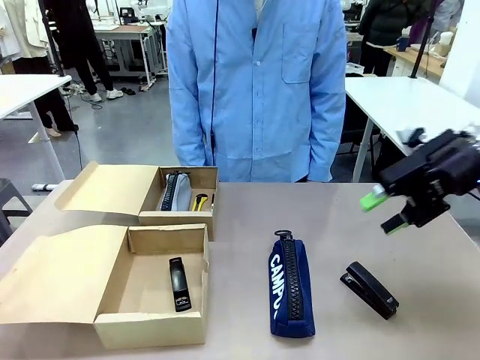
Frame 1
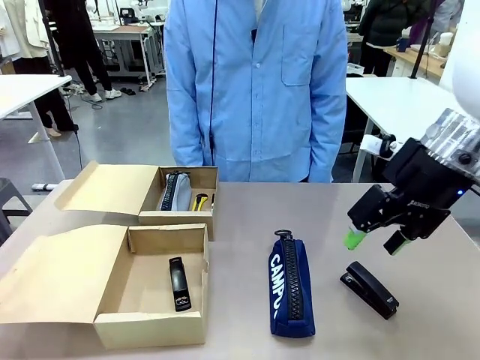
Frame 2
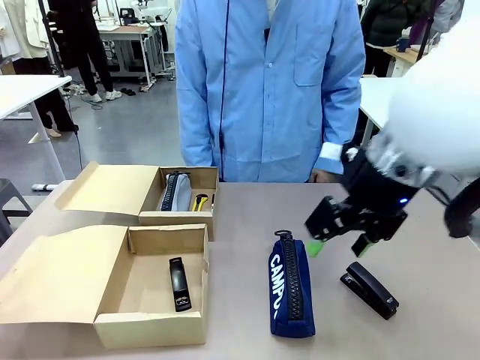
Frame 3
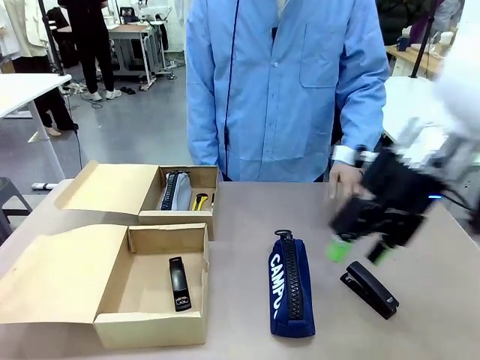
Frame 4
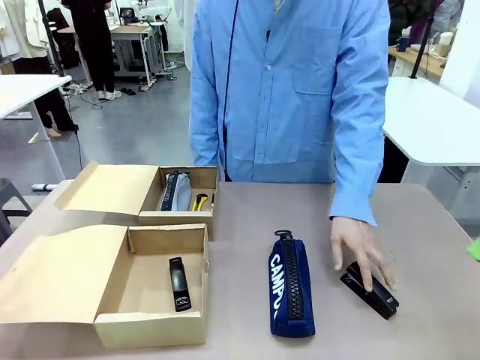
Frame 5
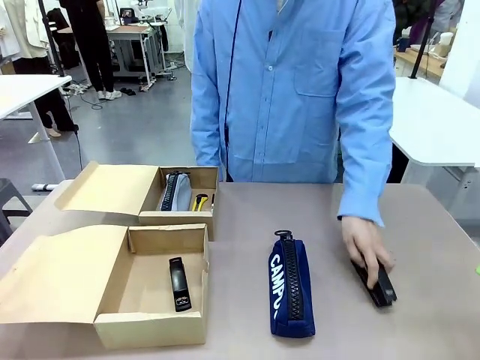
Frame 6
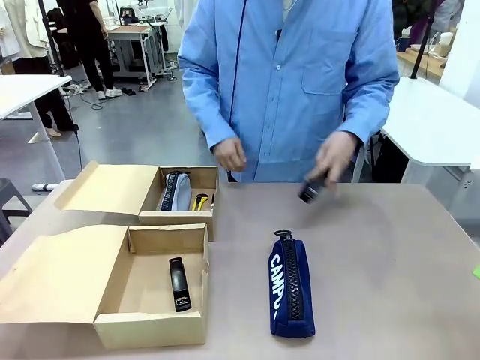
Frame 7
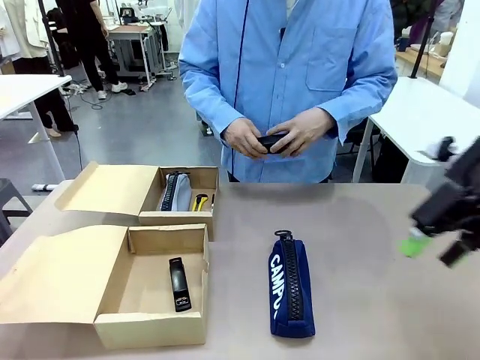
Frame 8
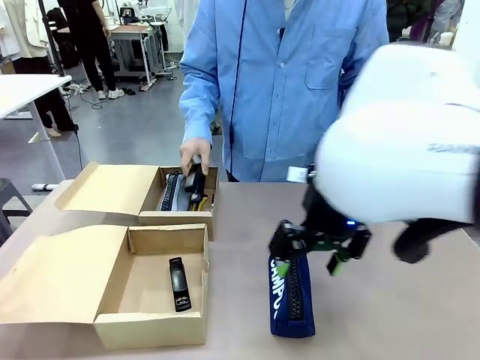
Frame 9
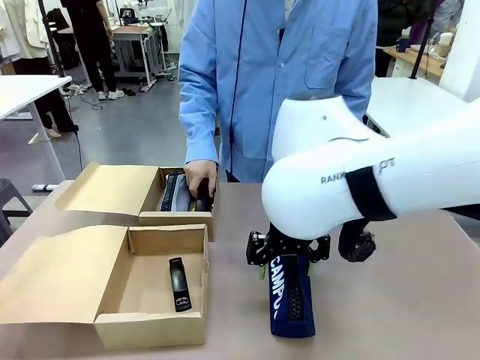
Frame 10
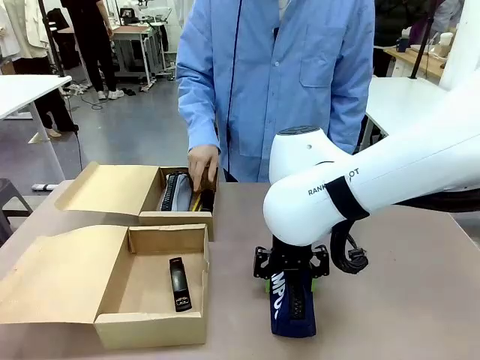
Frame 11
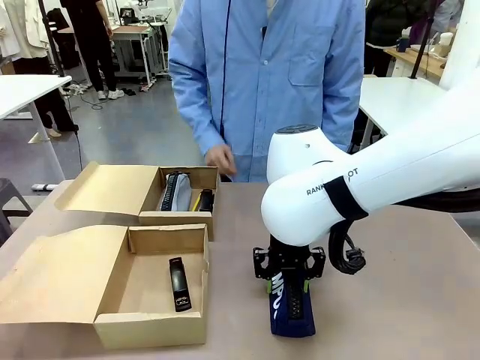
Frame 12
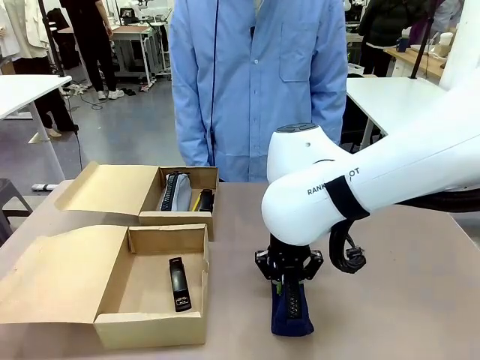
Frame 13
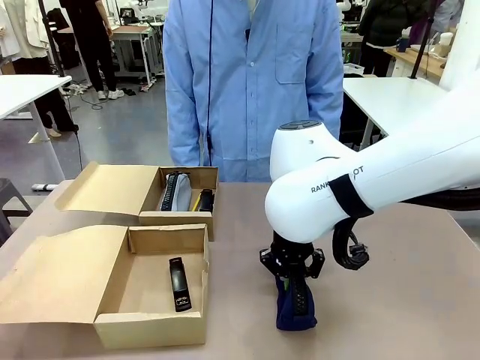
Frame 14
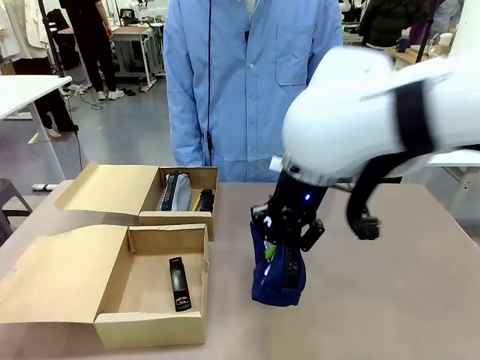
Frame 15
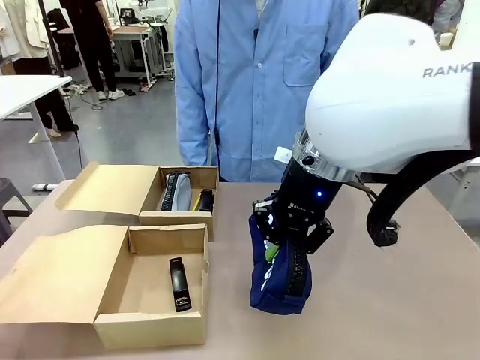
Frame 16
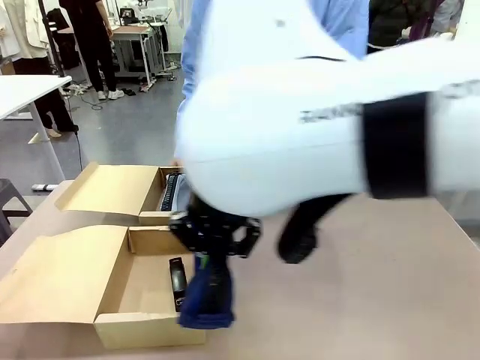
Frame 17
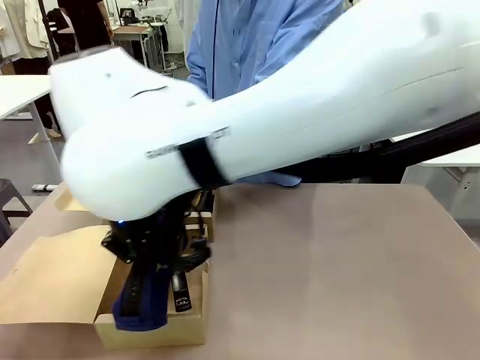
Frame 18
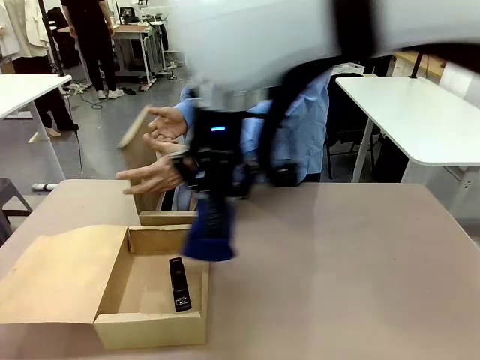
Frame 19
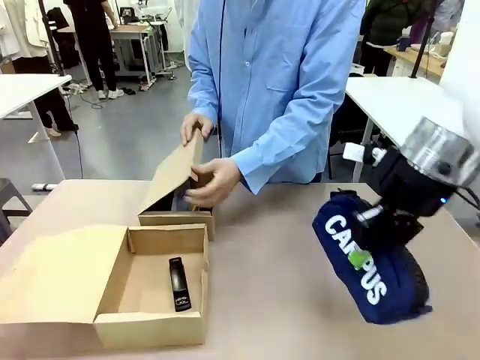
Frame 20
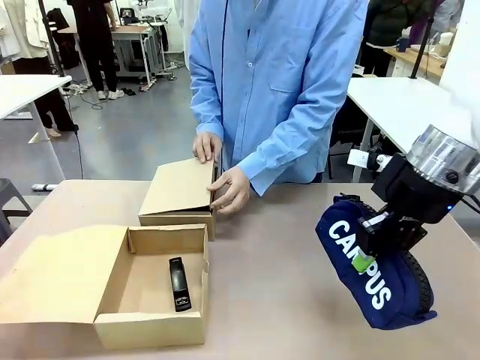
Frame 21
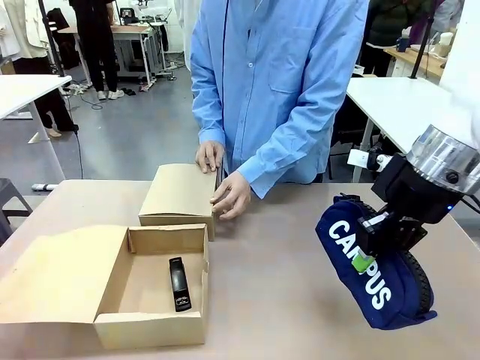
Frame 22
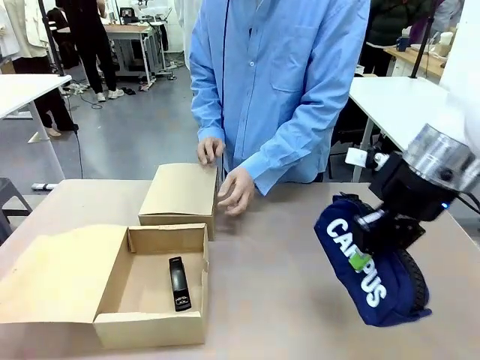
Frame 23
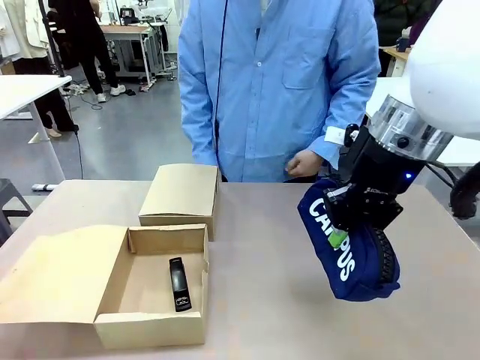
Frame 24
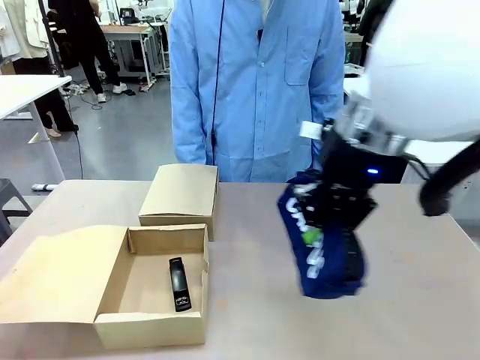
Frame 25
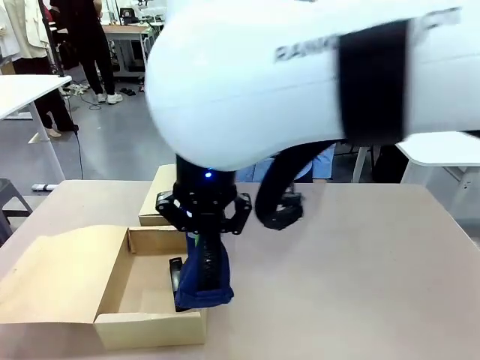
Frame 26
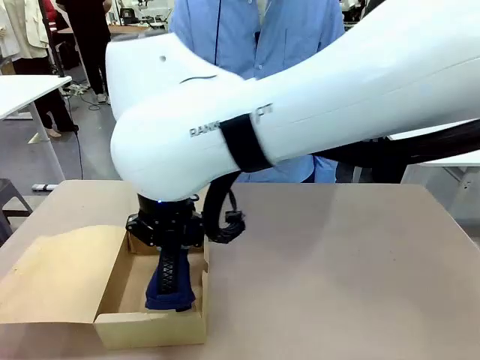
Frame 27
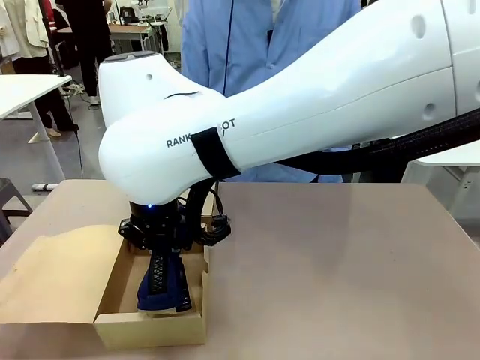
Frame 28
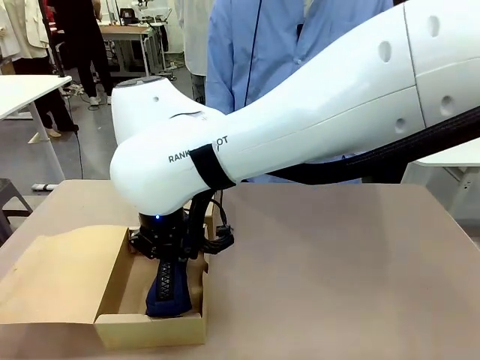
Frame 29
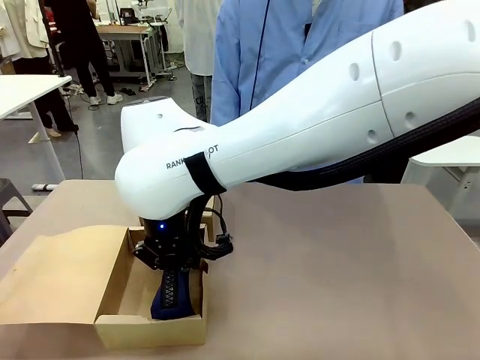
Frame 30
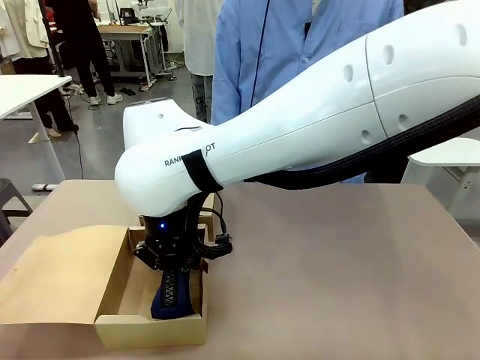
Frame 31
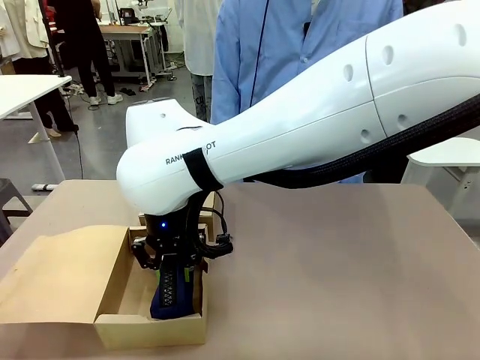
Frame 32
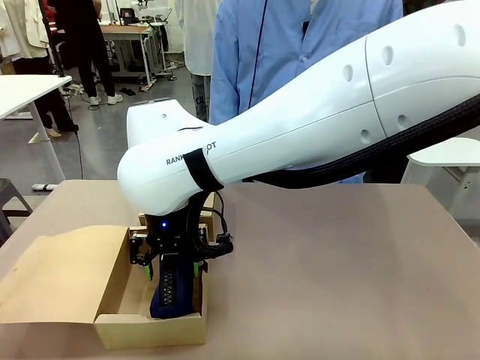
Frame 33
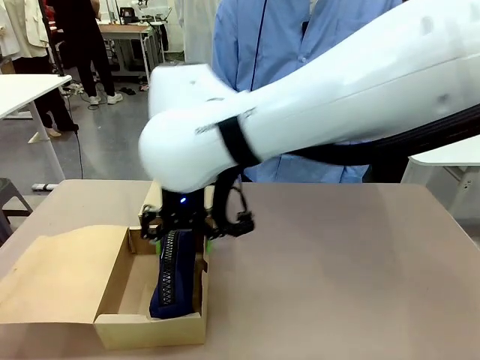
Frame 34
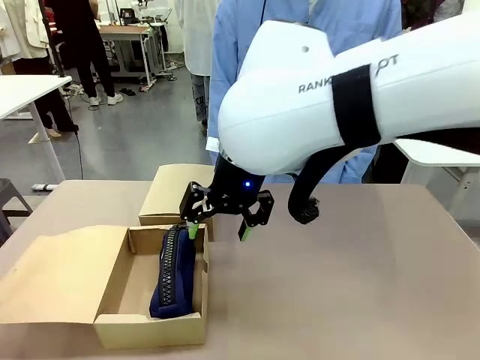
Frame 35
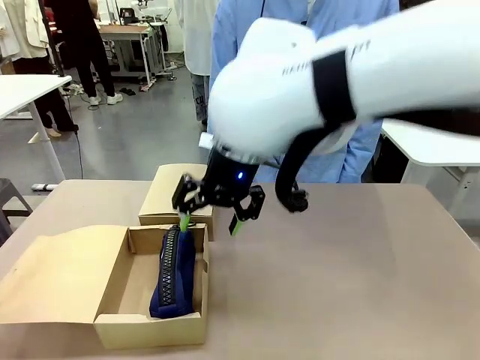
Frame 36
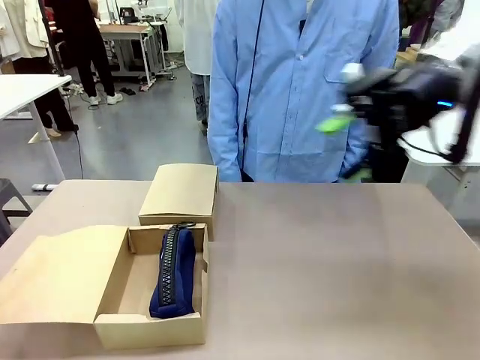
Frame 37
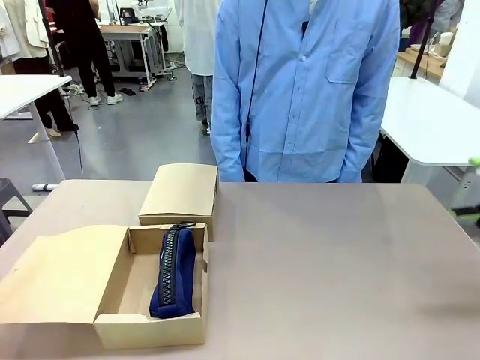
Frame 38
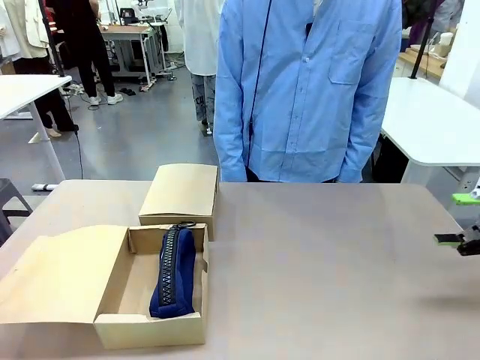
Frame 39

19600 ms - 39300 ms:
Task: Place items inside the box.
Robot: Pick up a Pencil pouch or Stapler and place it inside the Mailer Box closest to the robot.
Person: Close the lid of the box facing the person.

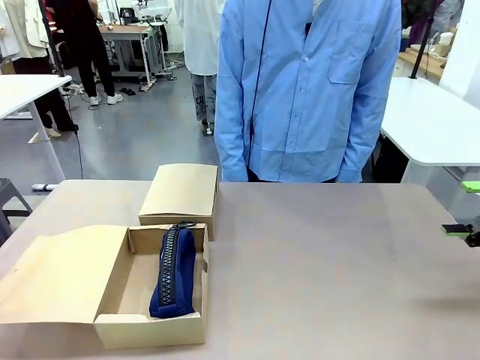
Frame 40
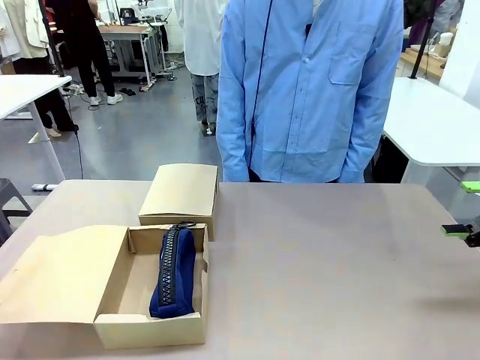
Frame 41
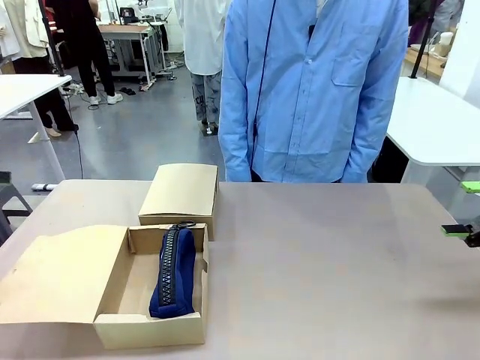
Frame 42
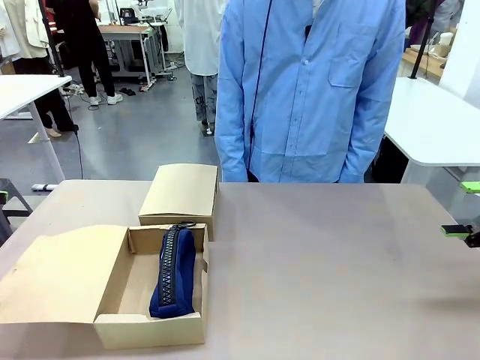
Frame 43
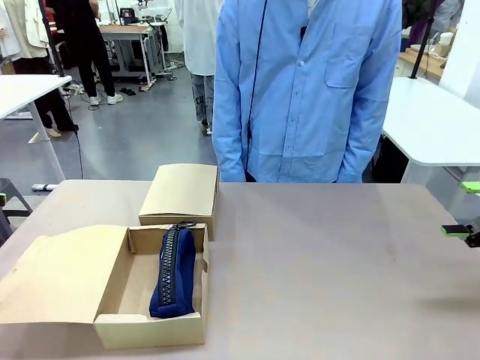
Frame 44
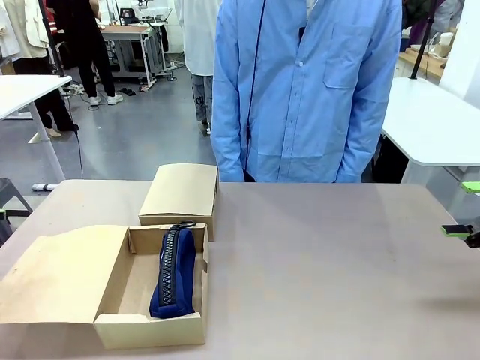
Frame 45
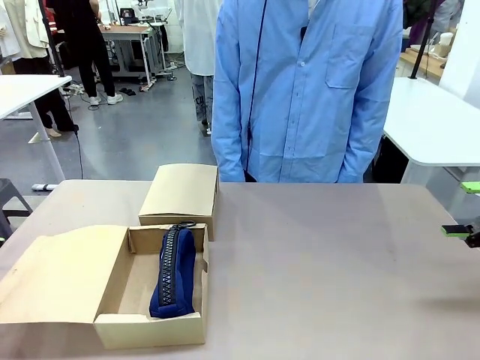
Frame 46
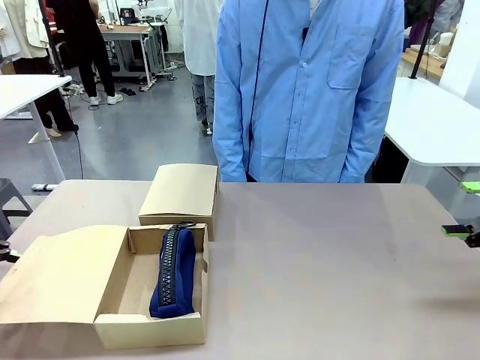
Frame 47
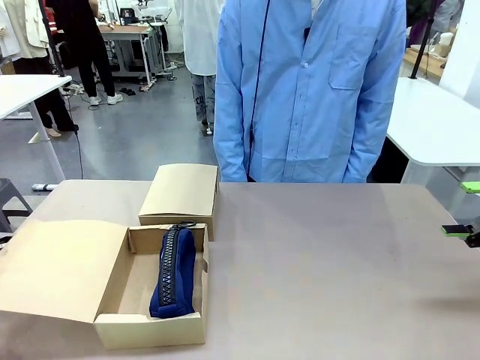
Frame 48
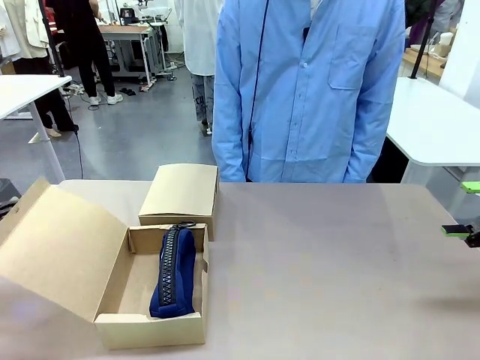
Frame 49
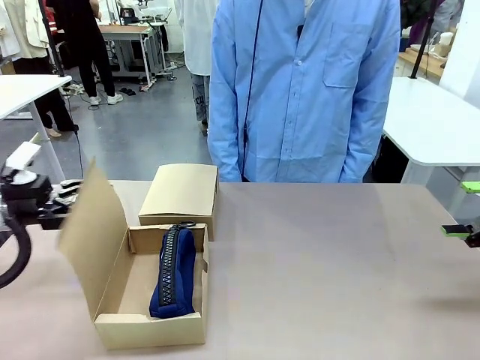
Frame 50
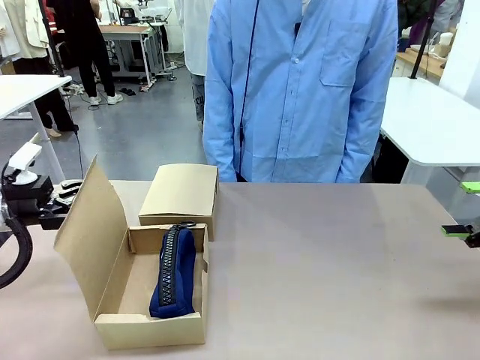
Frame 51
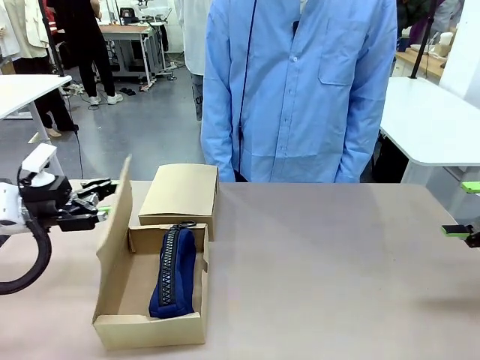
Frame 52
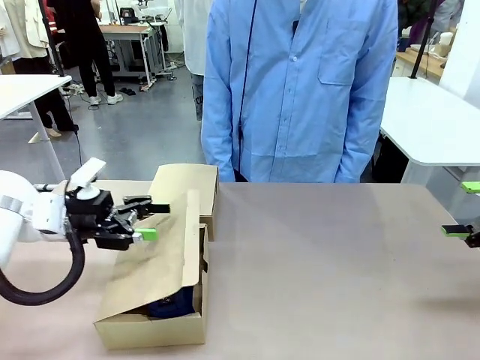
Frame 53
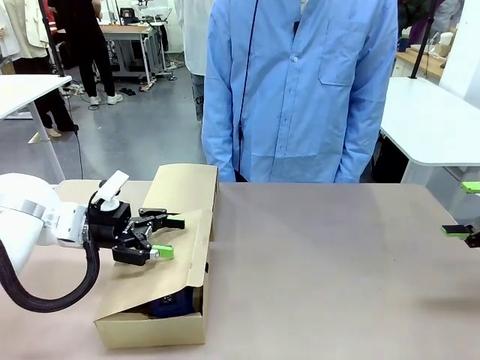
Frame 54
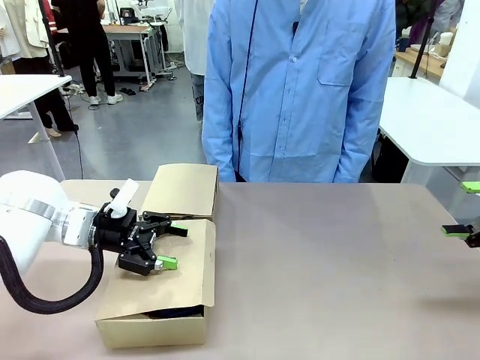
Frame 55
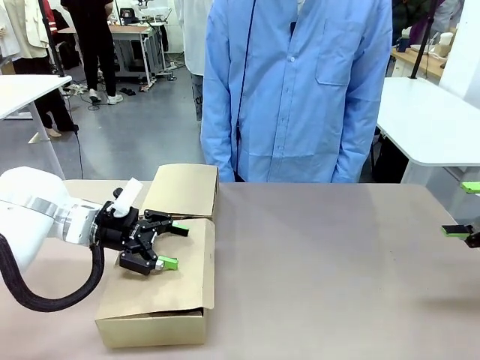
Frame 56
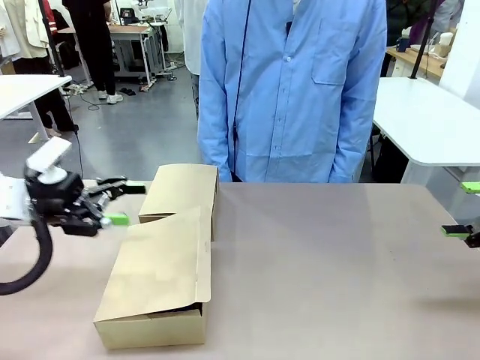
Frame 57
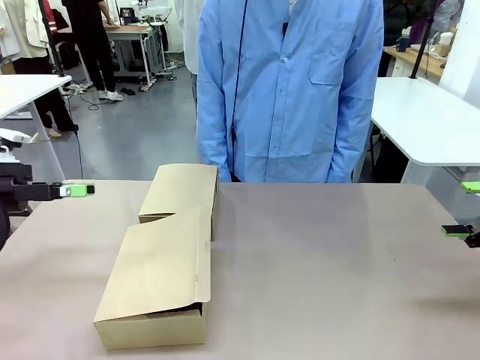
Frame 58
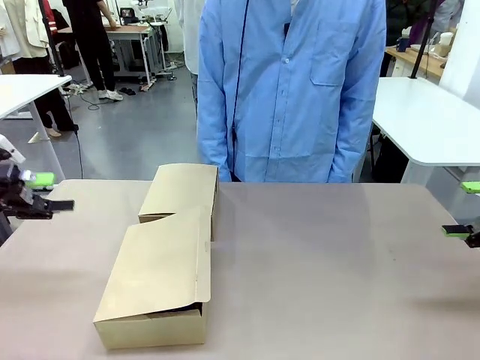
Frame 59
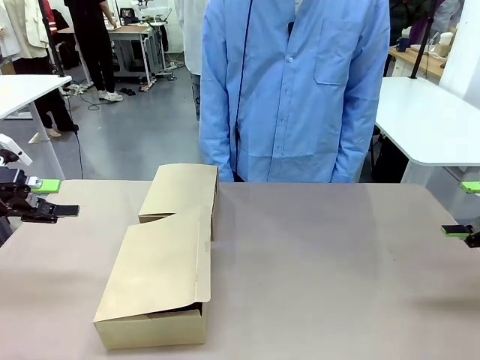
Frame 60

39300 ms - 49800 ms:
Robot: Close the lid of the Mailer Box closest to the robot.
